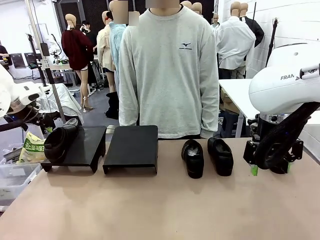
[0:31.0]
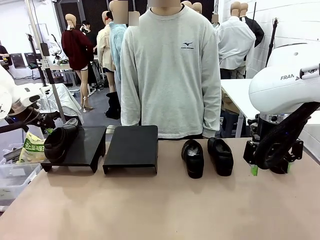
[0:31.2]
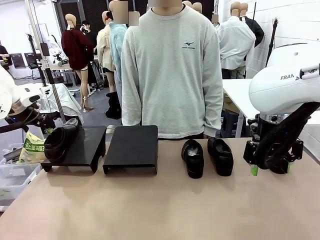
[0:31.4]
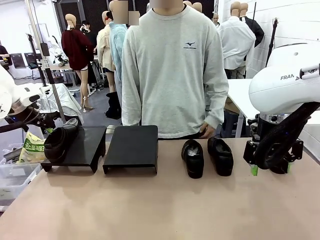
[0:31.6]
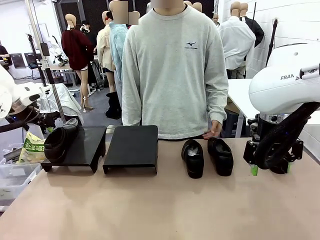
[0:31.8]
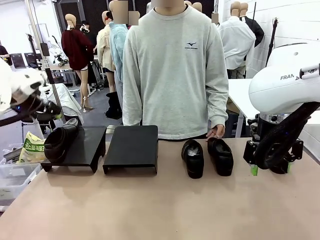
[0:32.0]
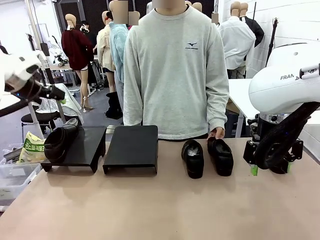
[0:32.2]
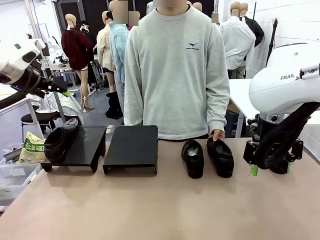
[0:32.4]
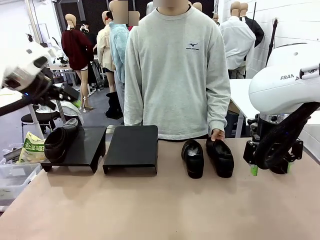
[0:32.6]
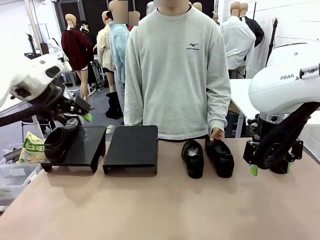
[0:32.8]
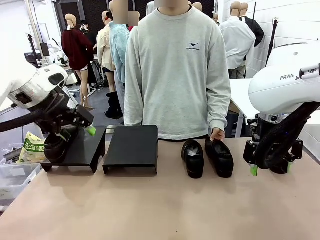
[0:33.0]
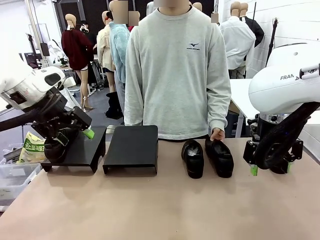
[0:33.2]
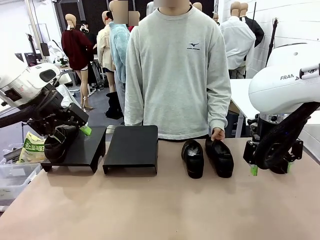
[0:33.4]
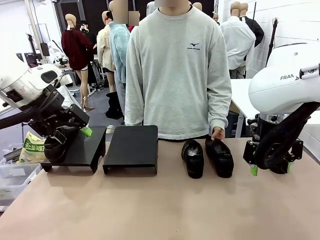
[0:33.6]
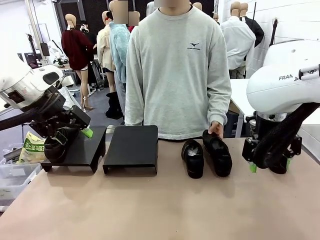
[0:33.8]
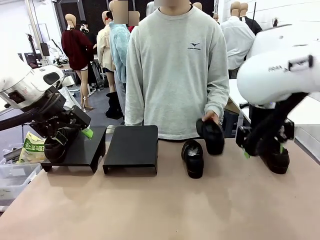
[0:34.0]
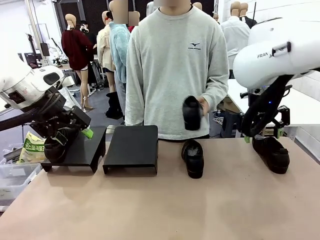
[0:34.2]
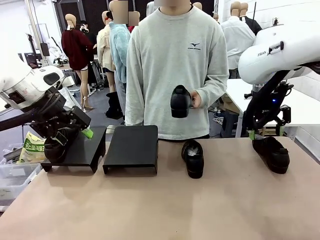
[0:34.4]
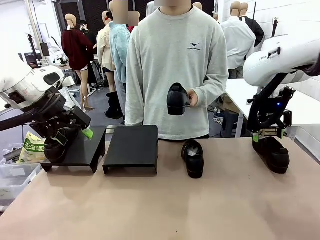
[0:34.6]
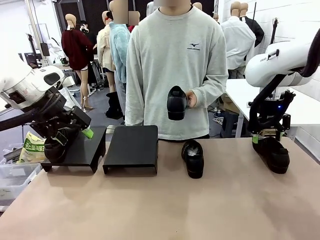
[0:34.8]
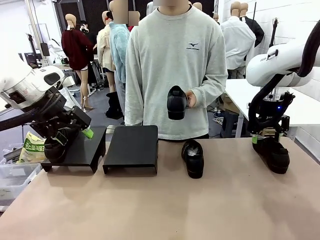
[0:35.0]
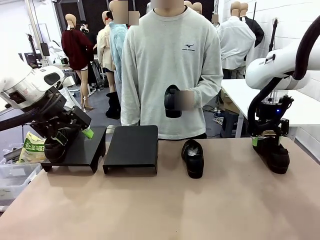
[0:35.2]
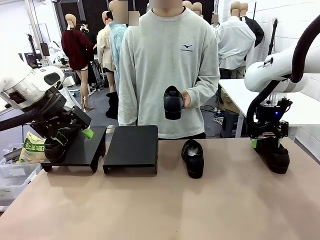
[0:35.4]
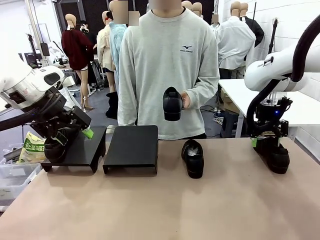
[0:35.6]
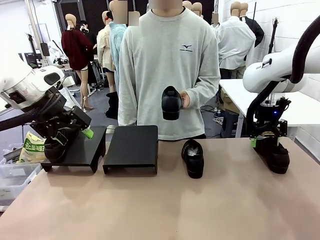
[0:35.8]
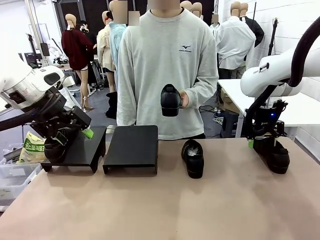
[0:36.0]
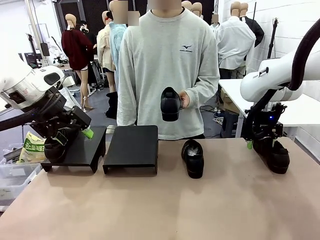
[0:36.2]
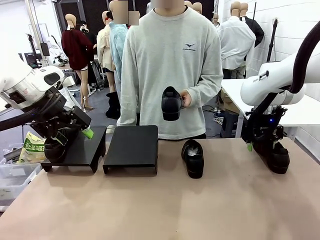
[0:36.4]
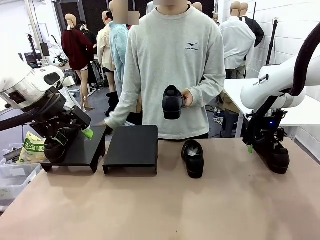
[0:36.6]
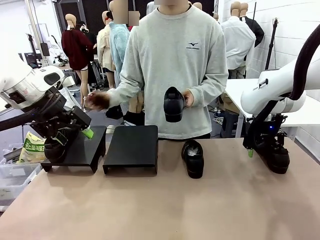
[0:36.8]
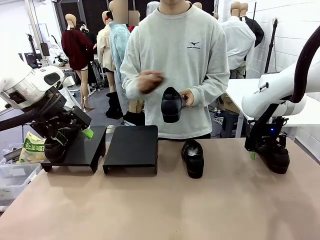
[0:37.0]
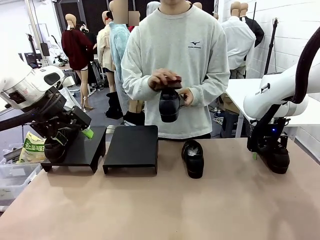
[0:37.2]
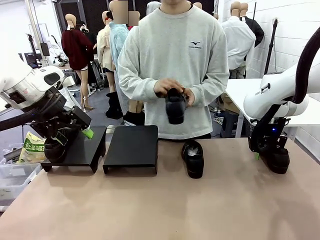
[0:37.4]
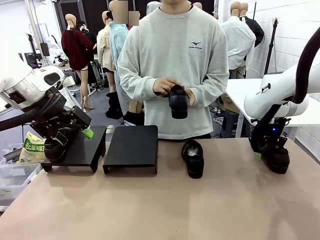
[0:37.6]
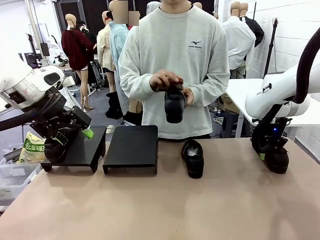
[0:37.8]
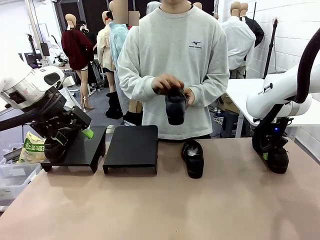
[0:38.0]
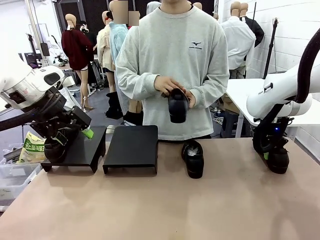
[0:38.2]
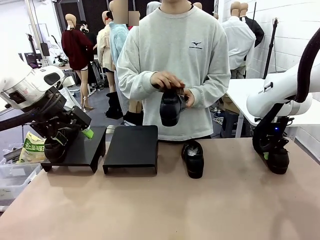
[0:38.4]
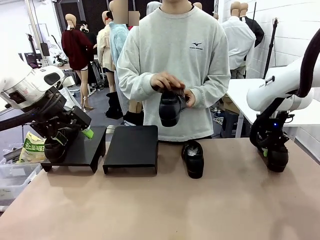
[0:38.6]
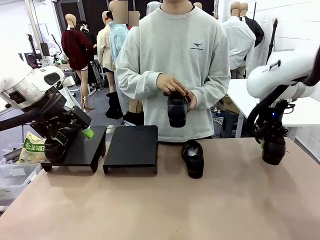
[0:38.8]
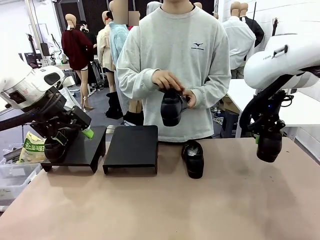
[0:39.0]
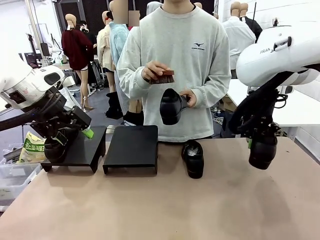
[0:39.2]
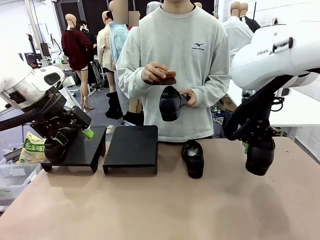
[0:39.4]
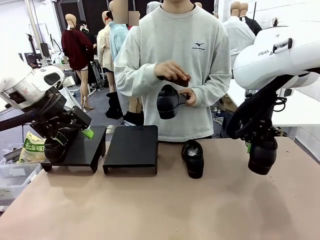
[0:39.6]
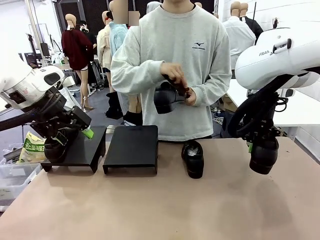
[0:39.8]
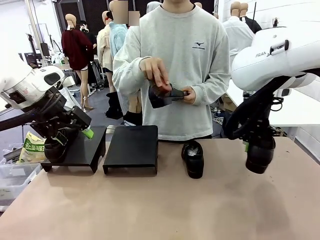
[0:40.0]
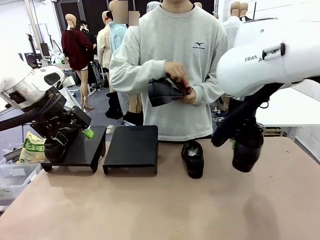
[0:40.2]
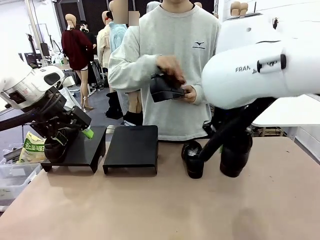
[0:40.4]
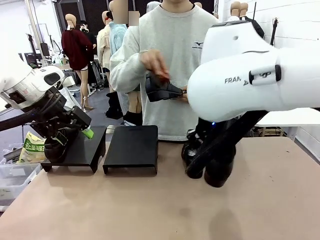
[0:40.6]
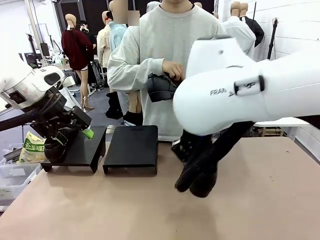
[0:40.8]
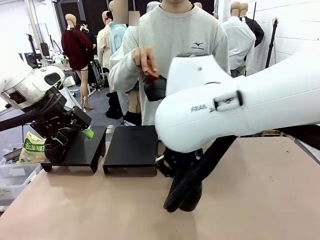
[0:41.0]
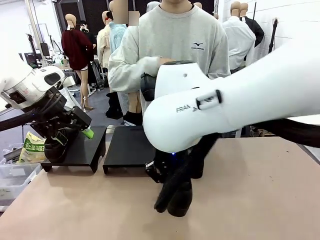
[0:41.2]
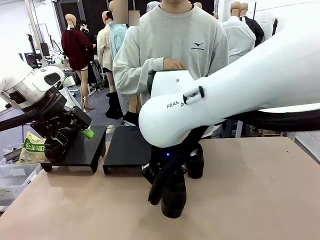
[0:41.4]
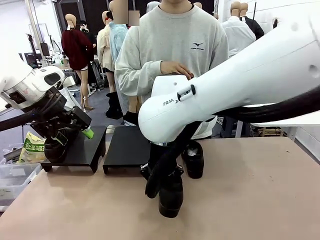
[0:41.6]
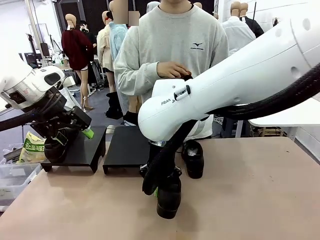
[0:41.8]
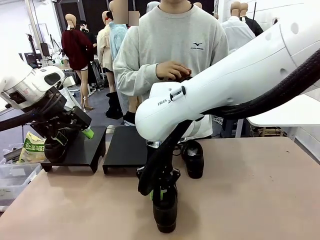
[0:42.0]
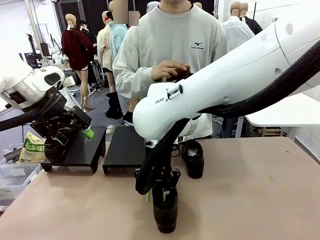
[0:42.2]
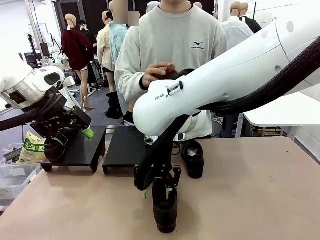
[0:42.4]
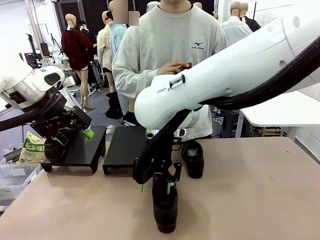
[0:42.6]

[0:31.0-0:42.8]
Task: Organize the shoes by placing them on the stand.
Robot: Pick up one Shoe and place it in the middle of the table.
Person: Pick one Shoe on Robot's table. Clean the Shoe with the Shoe Brush.

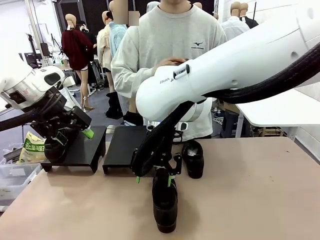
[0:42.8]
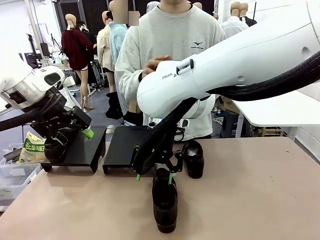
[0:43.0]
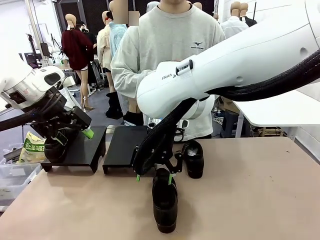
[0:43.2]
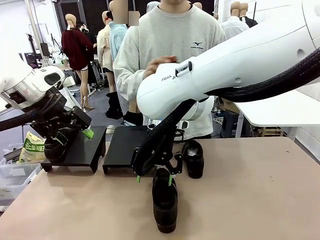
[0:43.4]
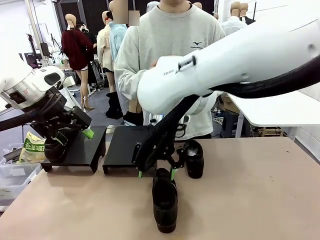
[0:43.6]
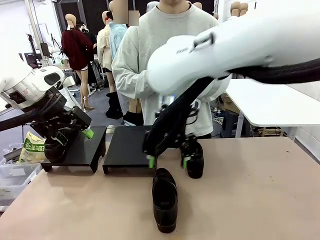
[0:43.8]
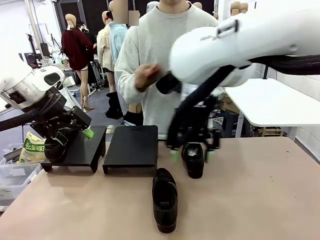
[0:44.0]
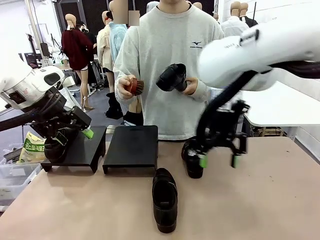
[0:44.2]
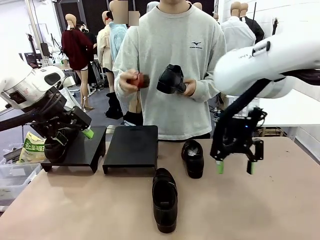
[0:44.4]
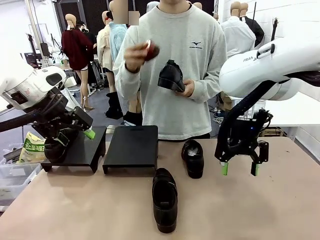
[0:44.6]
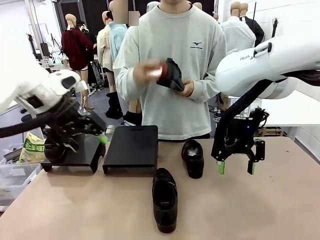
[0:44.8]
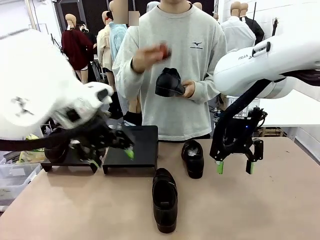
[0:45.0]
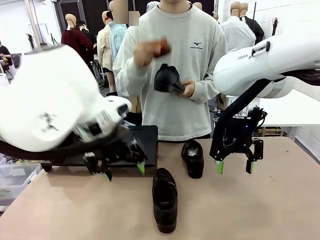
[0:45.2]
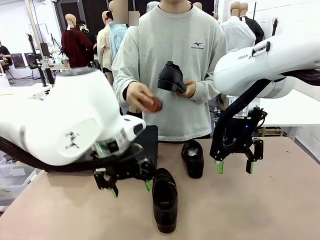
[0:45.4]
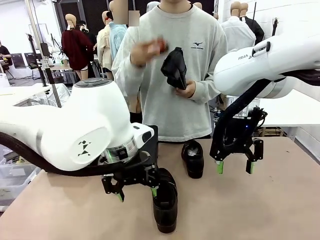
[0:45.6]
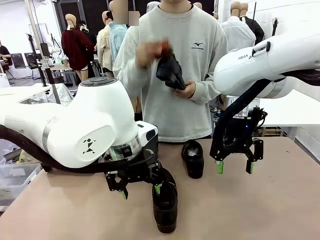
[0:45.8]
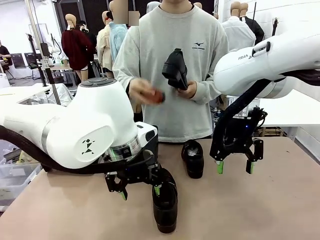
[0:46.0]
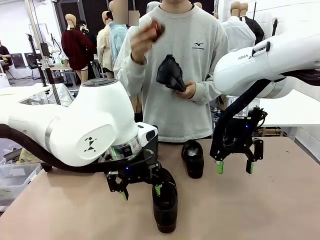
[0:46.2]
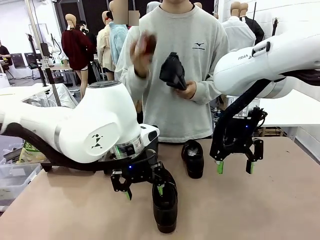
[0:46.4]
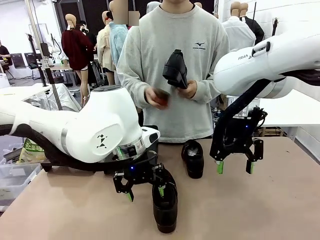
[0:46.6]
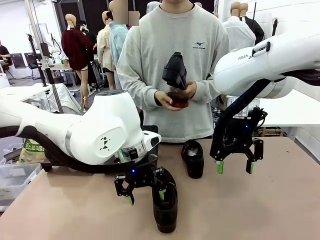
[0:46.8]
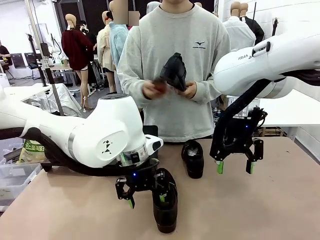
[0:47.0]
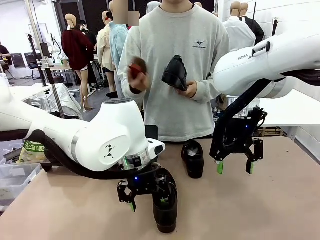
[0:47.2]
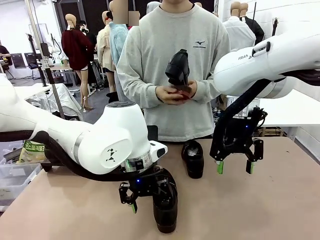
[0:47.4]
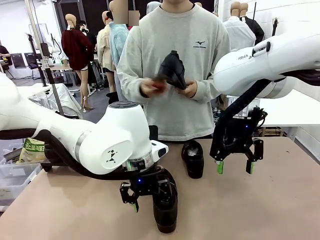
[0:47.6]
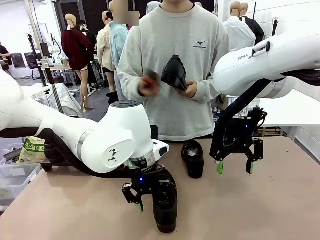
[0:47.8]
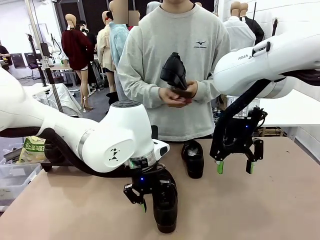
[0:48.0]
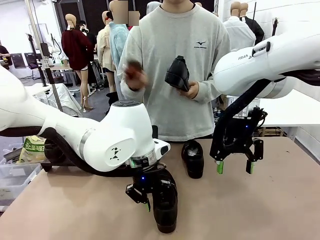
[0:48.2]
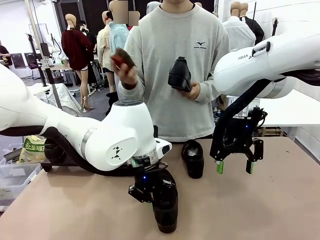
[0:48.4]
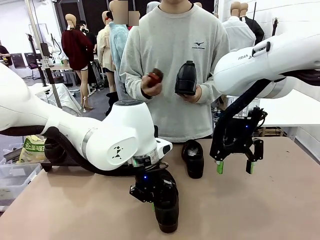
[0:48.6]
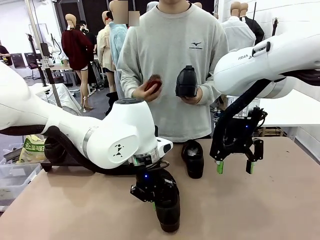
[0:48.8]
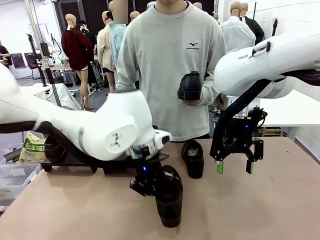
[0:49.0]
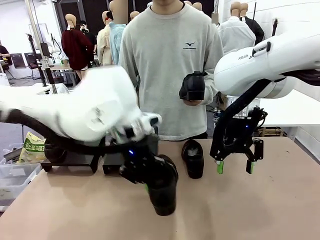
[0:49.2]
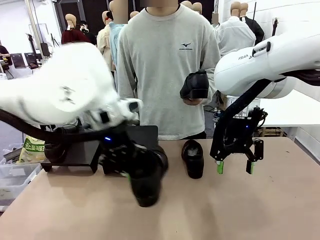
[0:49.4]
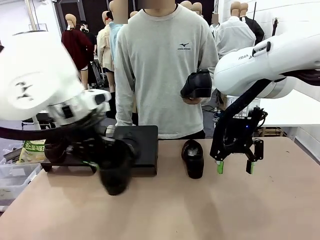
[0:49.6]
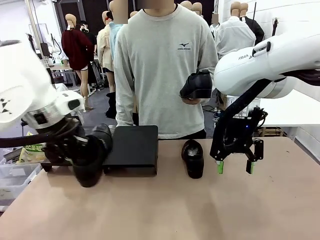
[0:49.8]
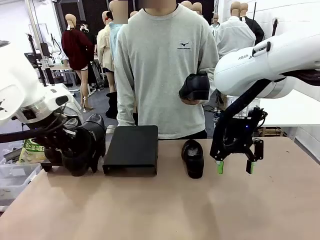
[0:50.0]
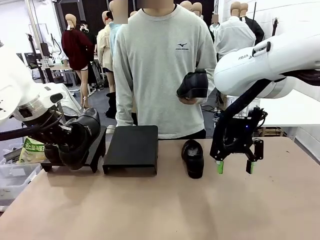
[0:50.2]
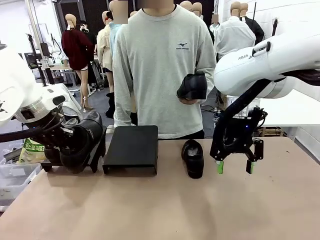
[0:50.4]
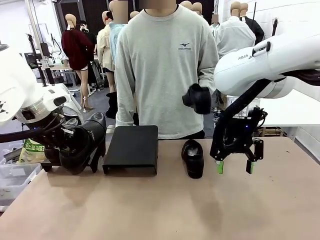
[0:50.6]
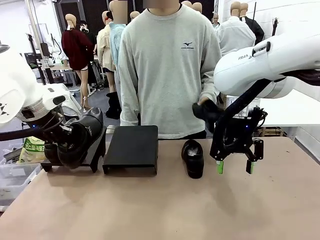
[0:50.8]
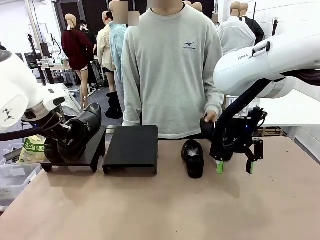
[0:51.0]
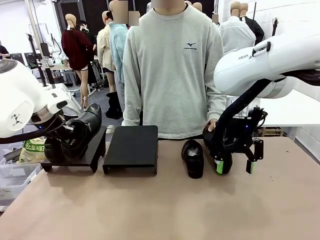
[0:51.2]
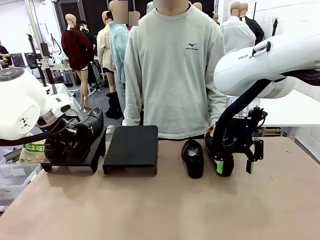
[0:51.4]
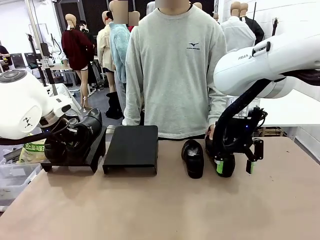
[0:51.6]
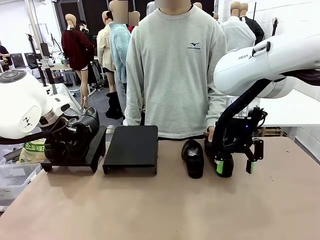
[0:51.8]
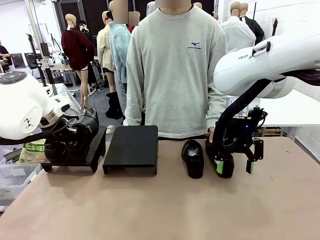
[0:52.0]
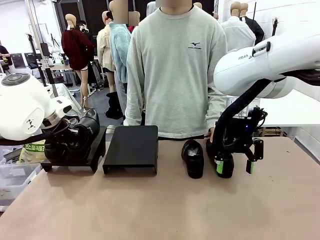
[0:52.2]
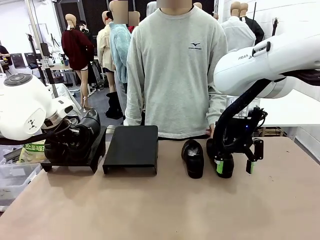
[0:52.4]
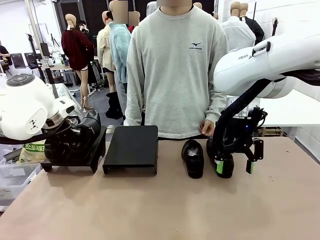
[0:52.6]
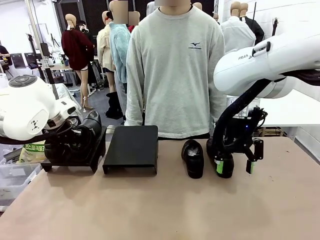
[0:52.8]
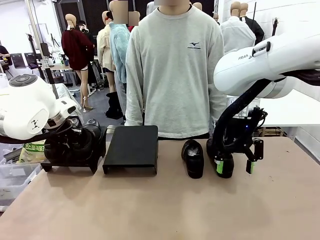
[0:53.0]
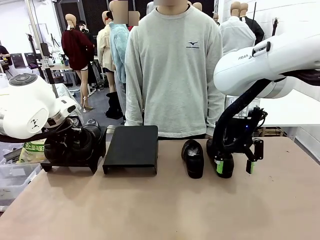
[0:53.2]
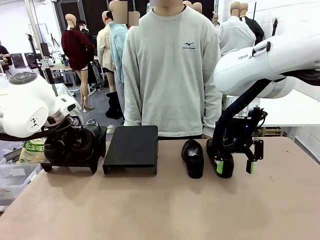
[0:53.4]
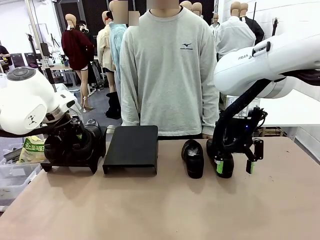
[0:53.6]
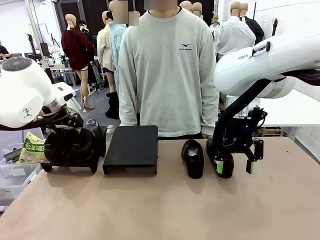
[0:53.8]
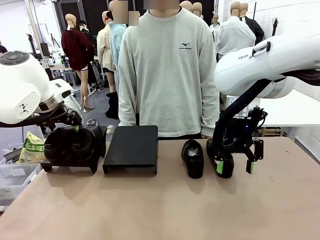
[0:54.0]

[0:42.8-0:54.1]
Robot: Place the Shoe from the middle of the table onto the Shoes Stand.
